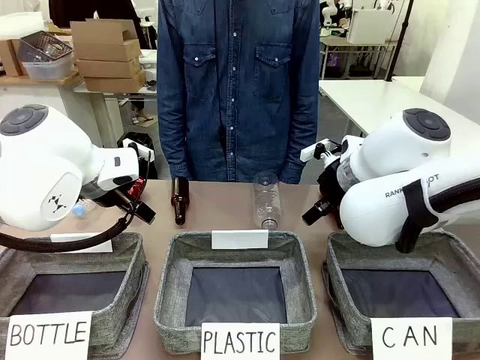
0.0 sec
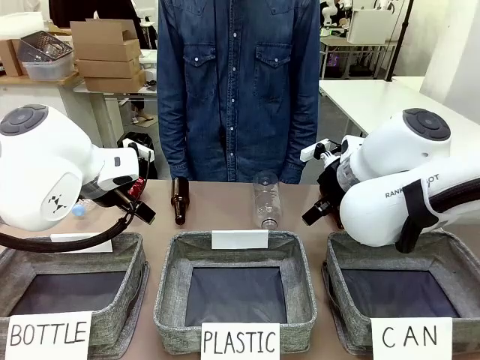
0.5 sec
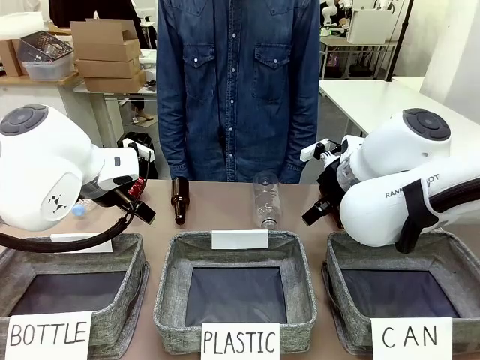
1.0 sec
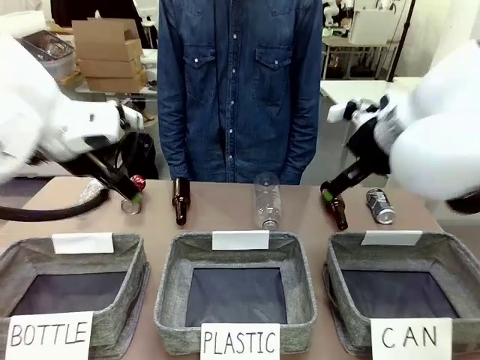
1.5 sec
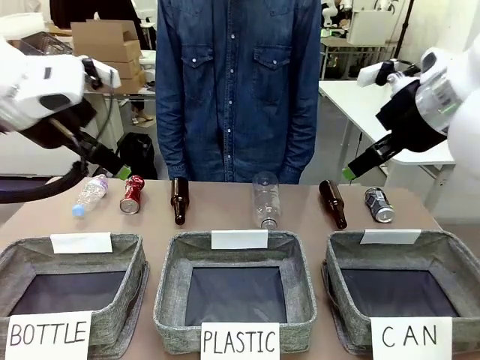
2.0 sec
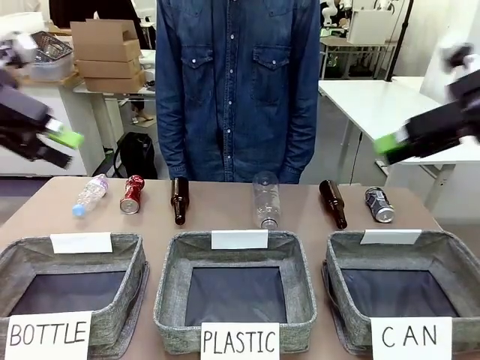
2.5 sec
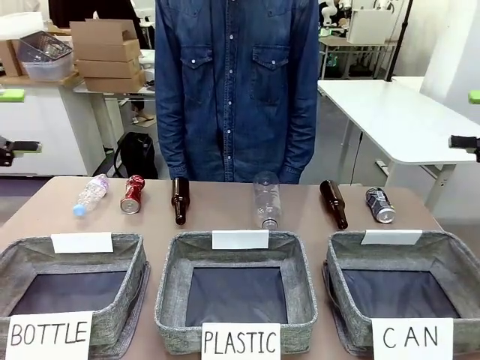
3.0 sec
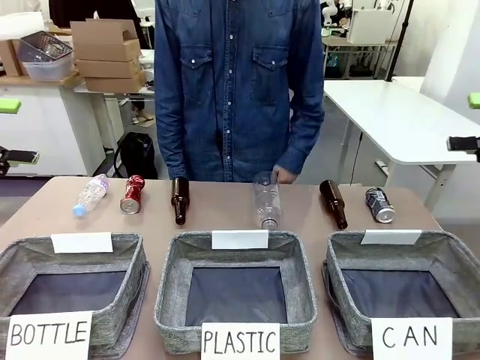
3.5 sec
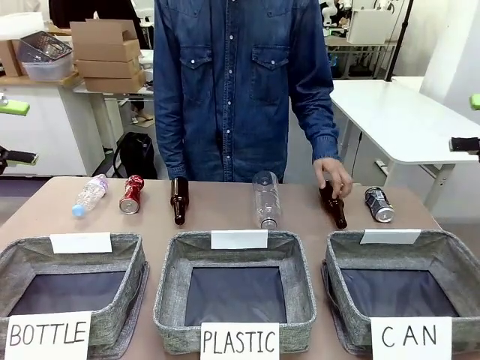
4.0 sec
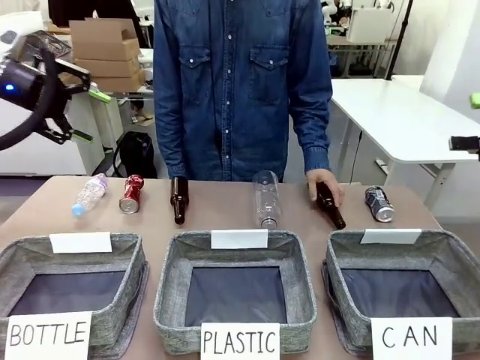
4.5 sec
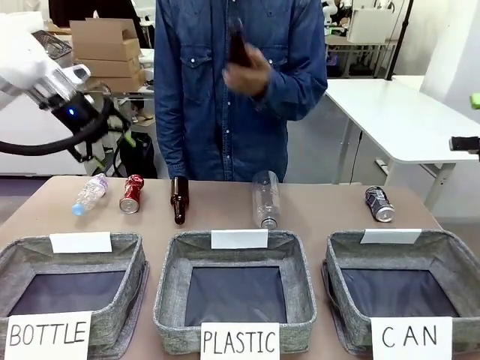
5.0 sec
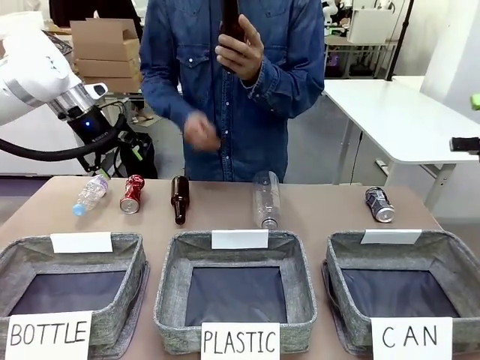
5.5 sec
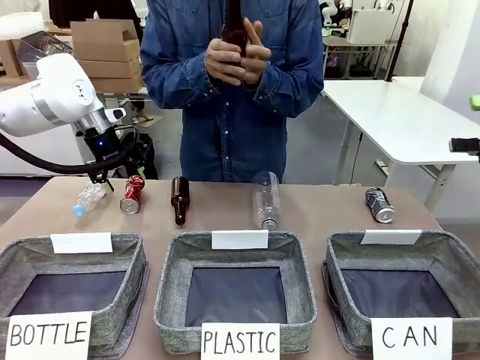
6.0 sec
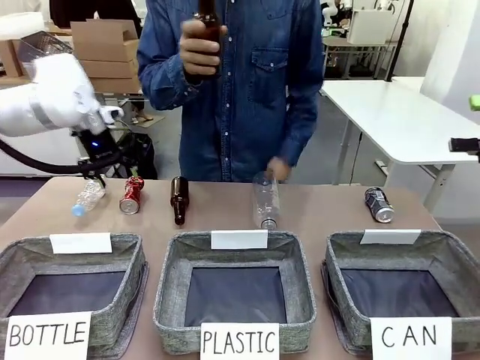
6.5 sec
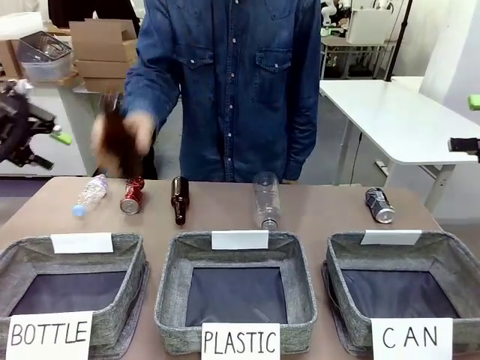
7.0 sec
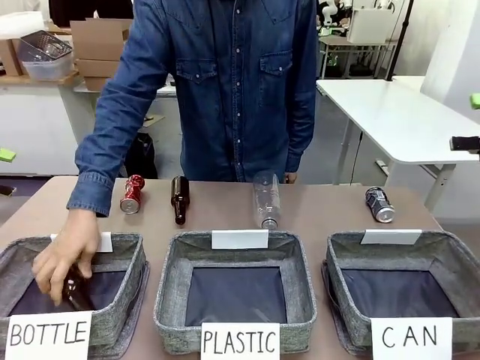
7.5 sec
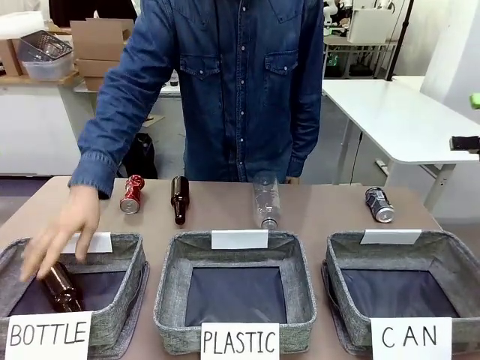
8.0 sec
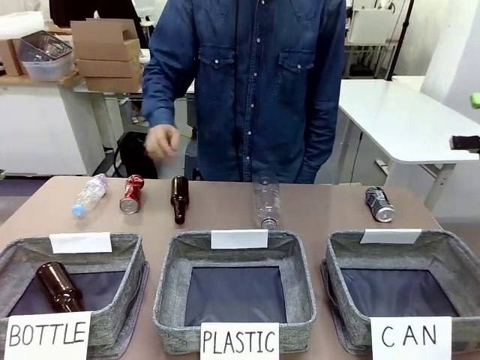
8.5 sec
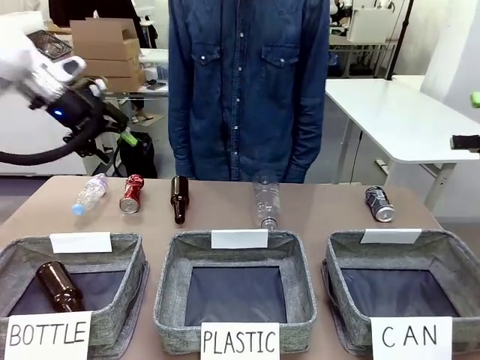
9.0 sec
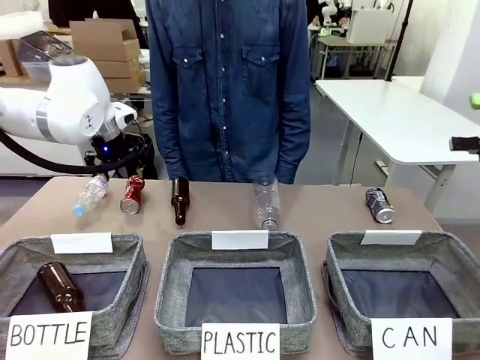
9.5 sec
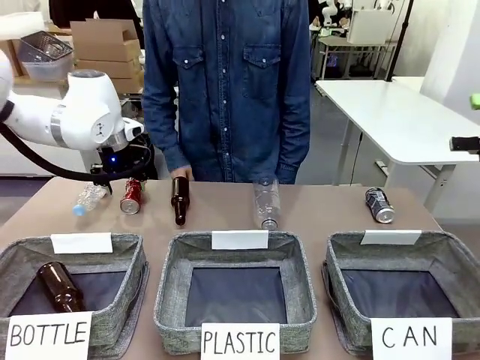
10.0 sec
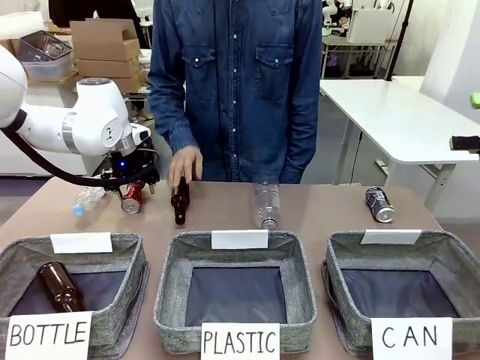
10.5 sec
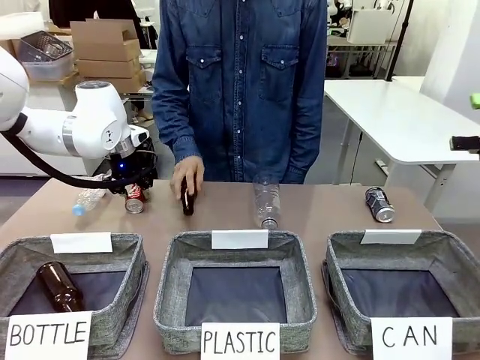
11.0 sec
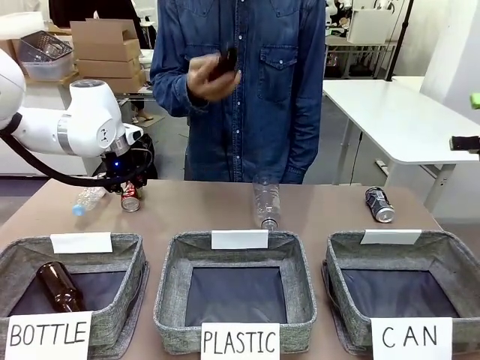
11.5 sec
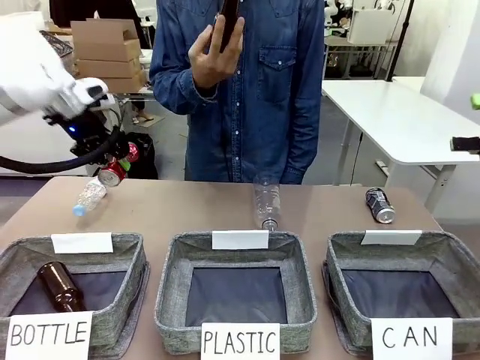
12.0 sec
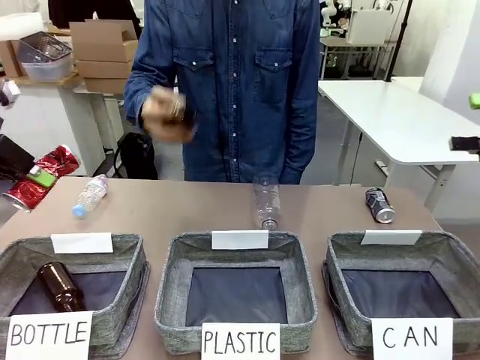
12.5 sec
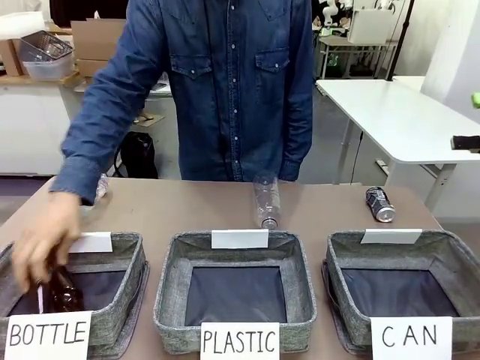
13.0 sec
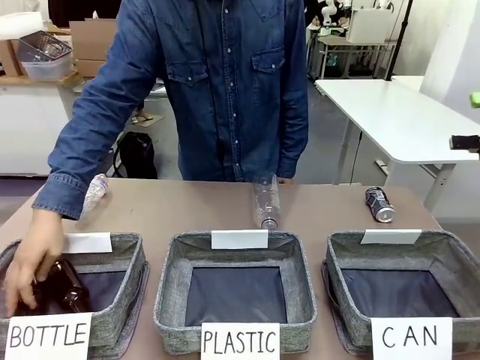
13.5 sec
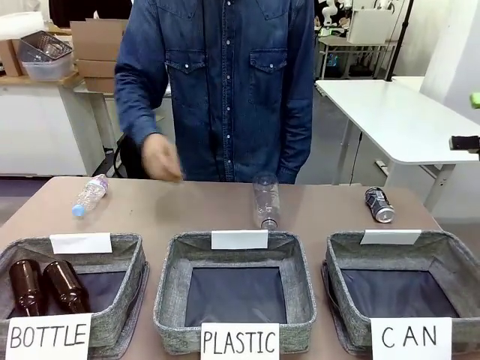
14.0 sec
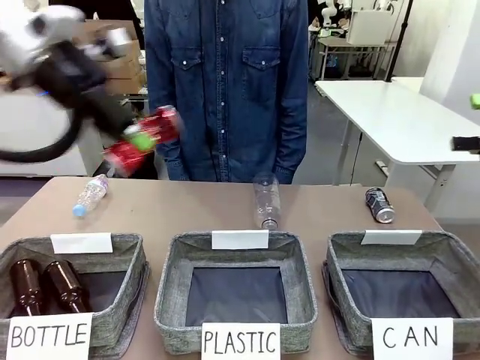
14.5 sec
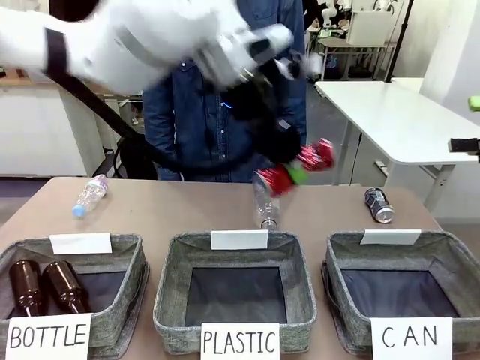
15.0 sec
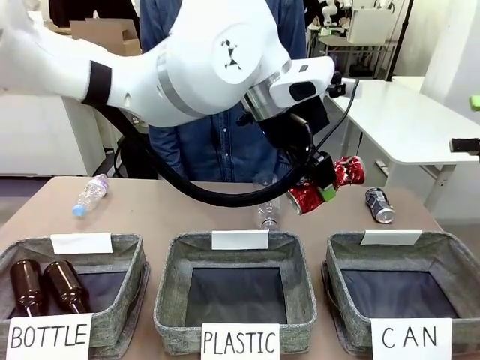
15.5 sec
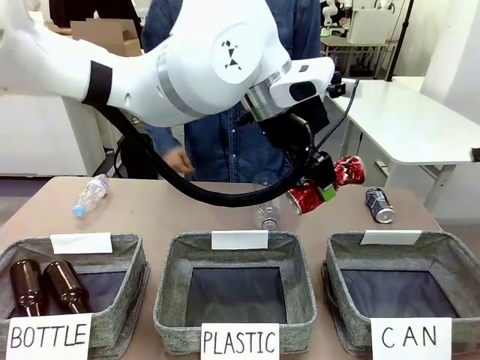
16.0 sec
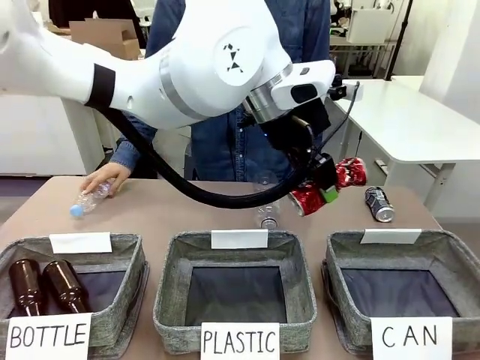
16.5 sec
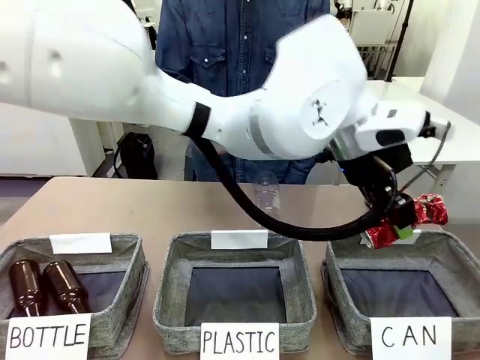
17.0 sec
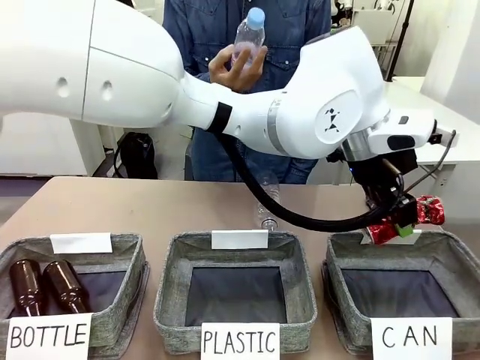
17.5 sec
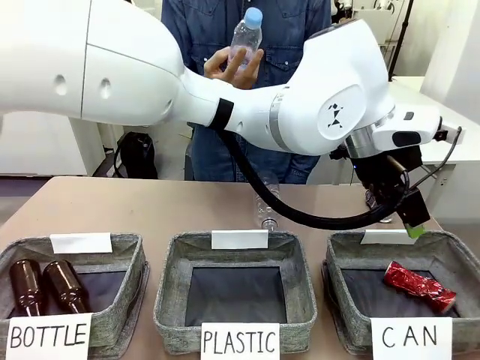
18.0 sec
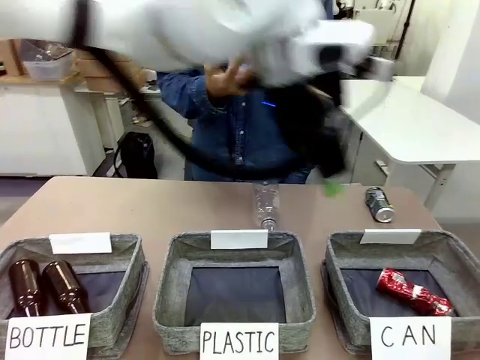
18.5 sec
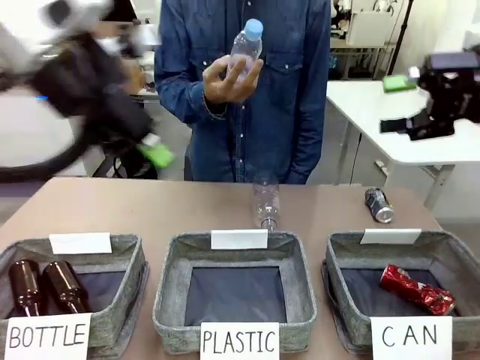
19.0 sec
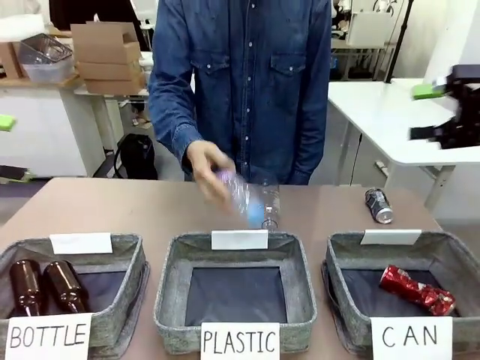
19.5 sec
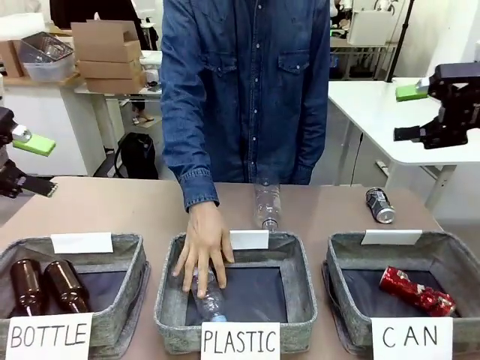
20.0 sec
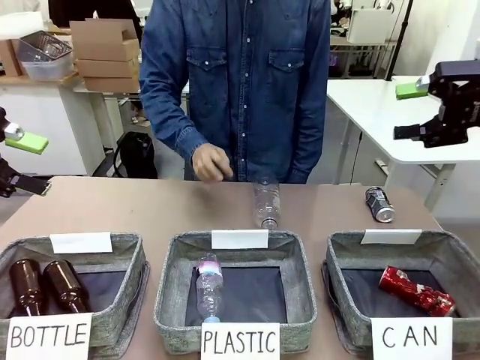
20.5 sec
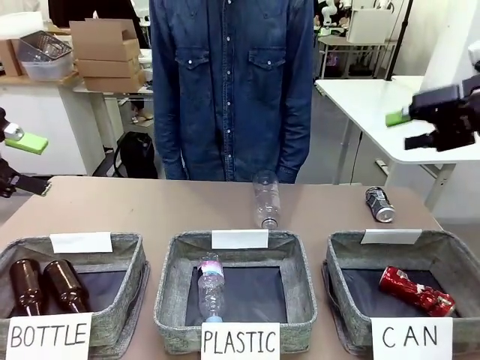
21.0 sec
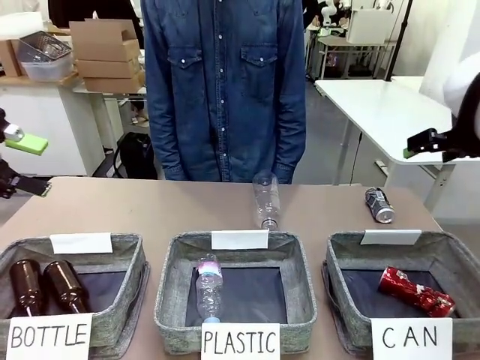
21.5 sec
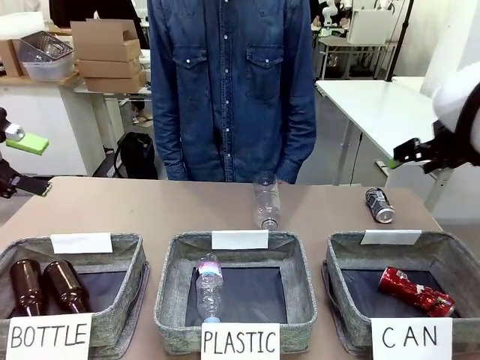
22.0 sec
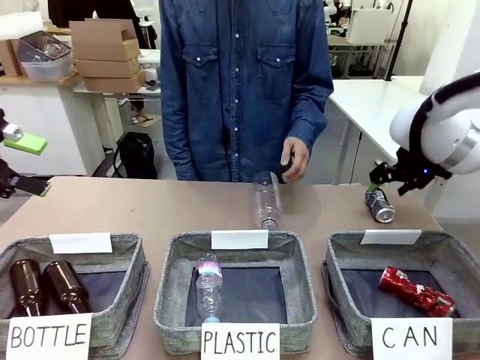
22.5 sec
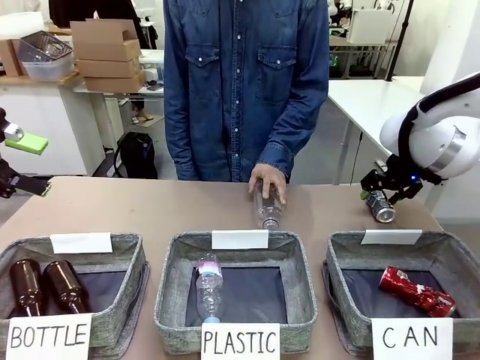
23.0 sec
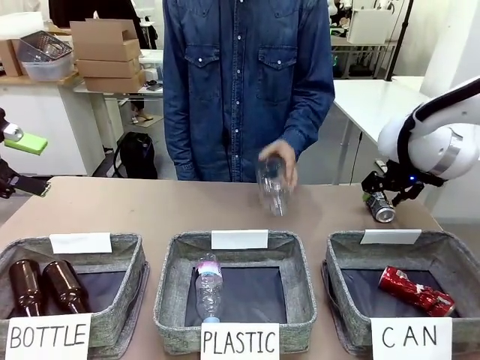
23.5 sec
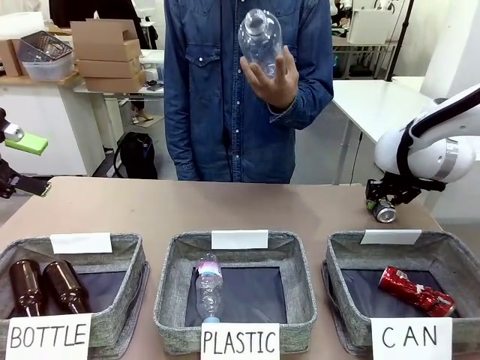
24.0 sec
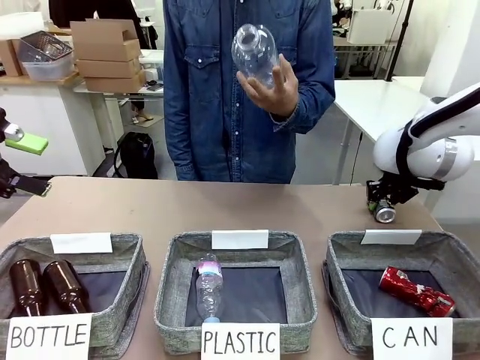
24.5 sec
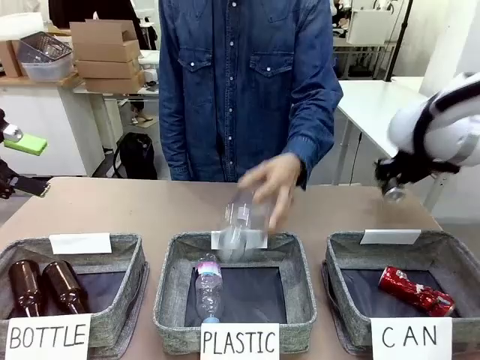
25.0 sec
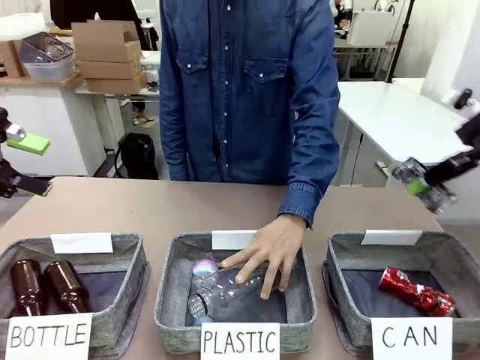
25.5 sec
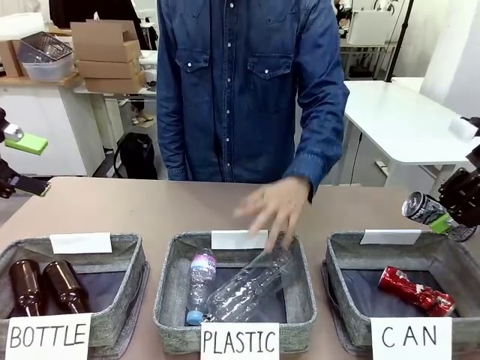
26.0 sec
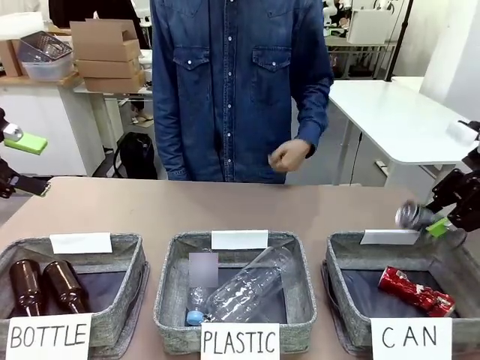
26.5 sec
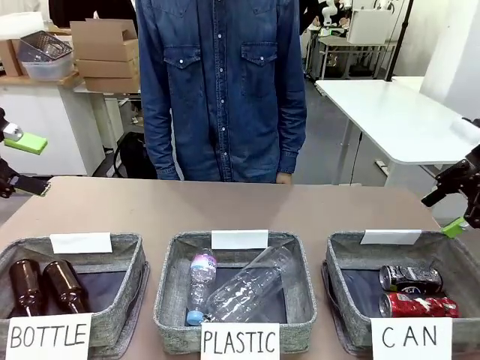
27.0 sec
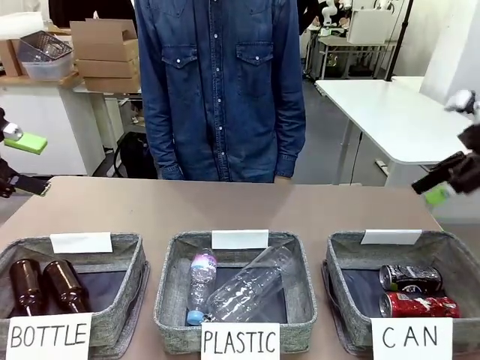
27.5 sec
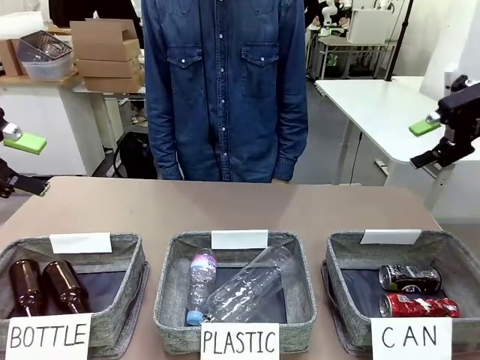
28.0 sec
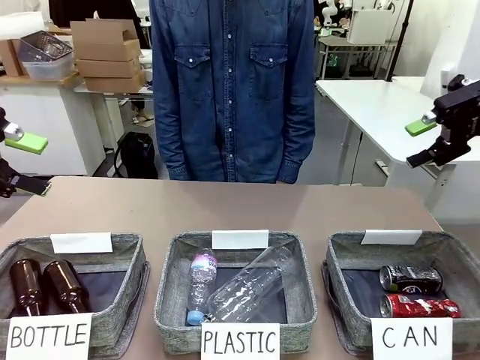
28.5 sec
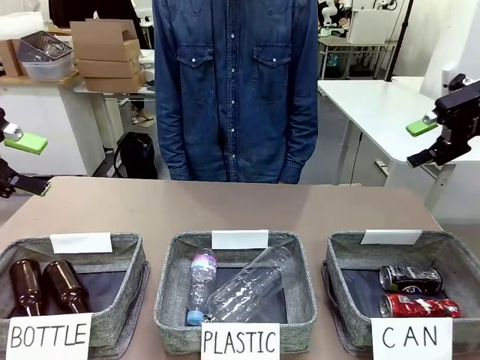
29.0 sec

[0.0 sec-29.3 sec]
Task: Sort the can waste into the basket.
Robot: Pick up the can waste from the table and place it in the right Fabric basket.
Person: The human picks up one piece of trash that is not a can and places the trash into the appropriate organizing basket.
